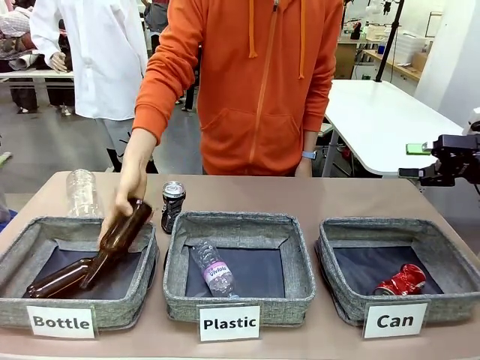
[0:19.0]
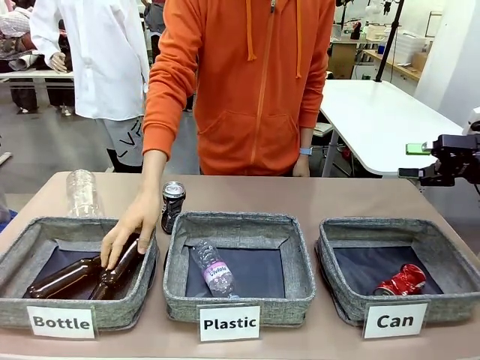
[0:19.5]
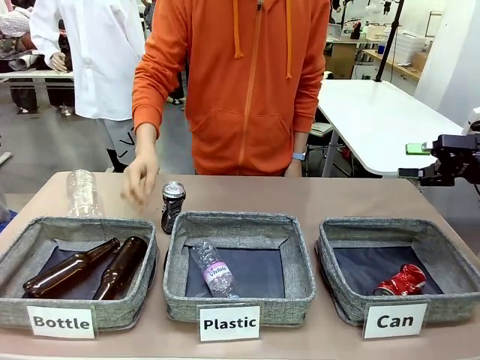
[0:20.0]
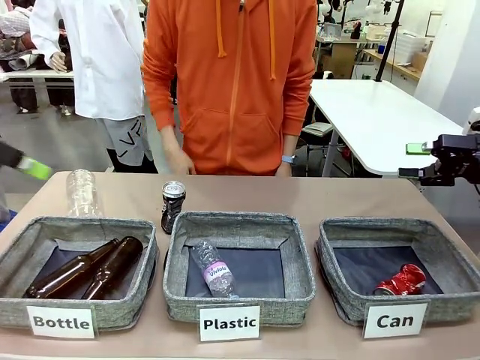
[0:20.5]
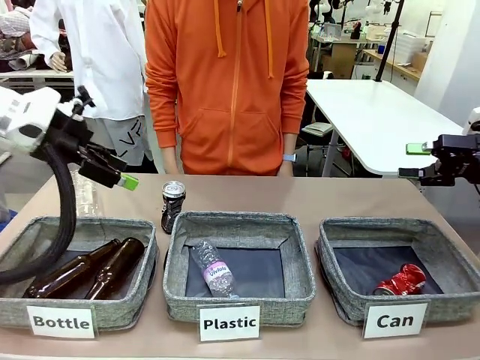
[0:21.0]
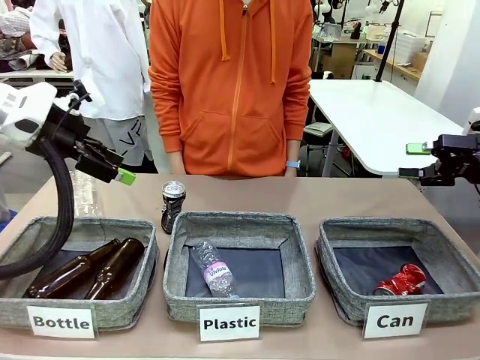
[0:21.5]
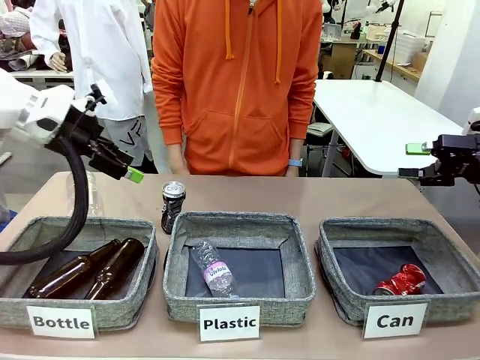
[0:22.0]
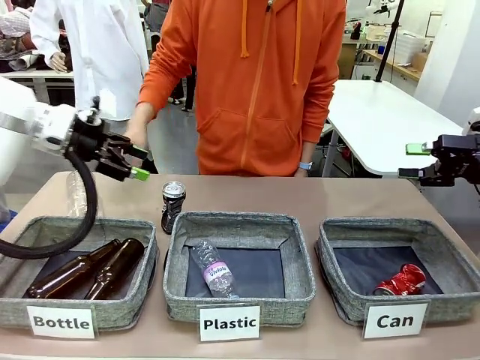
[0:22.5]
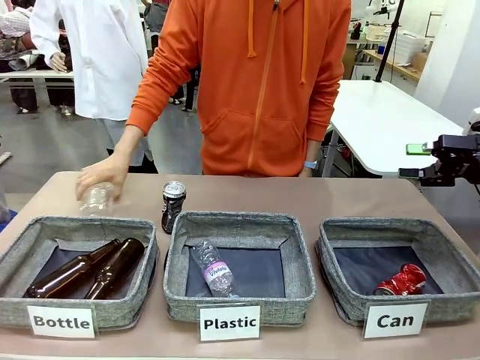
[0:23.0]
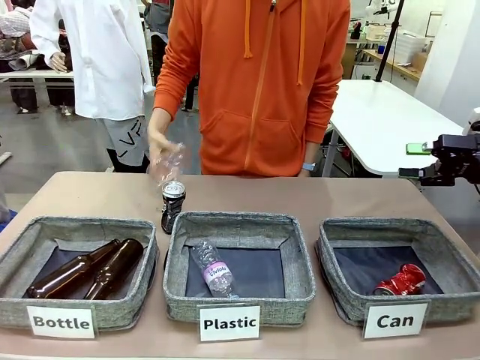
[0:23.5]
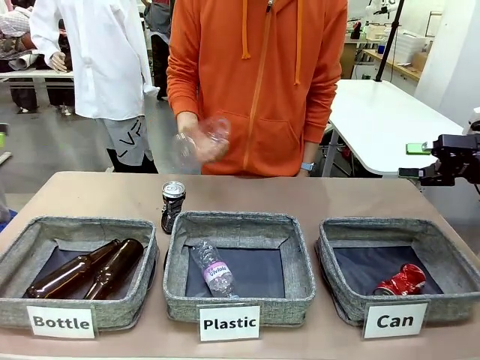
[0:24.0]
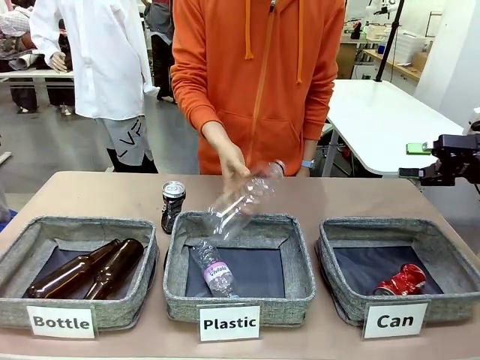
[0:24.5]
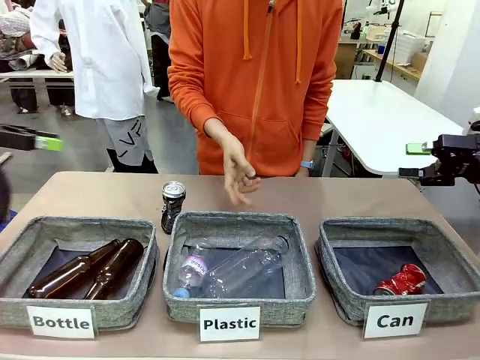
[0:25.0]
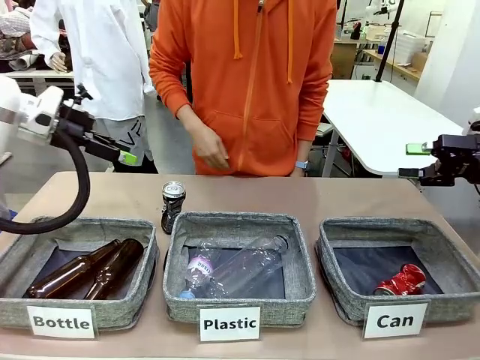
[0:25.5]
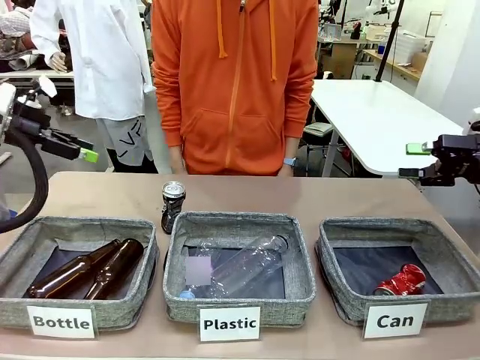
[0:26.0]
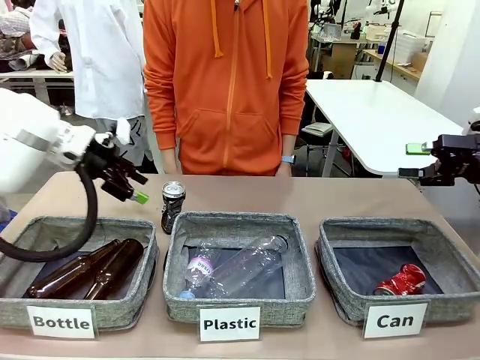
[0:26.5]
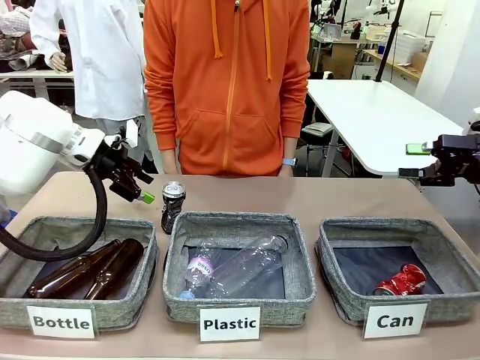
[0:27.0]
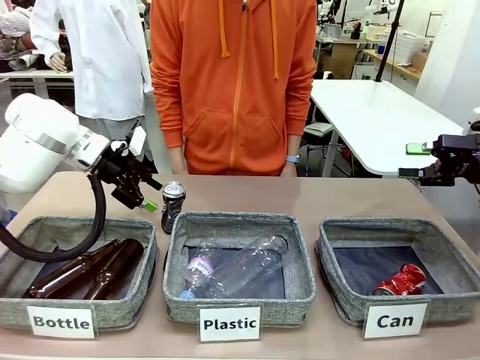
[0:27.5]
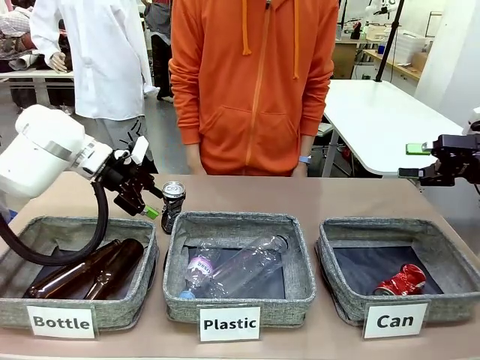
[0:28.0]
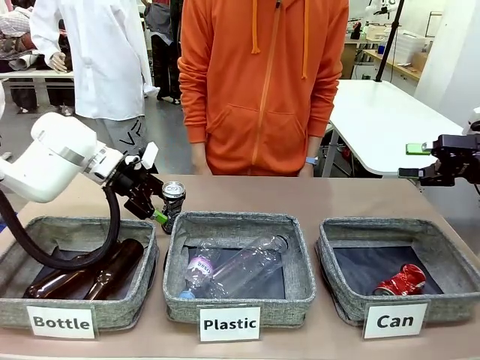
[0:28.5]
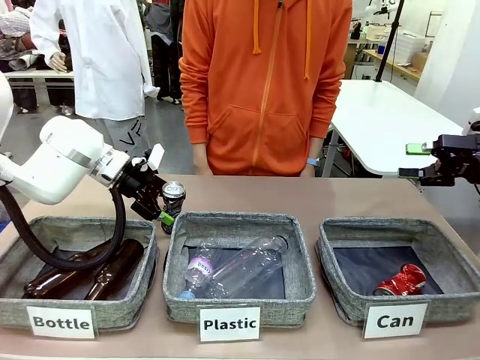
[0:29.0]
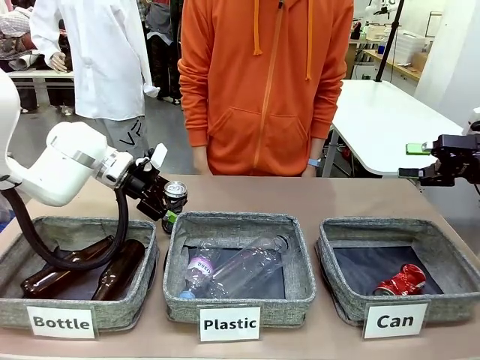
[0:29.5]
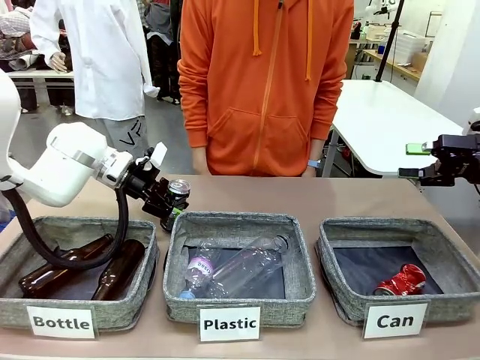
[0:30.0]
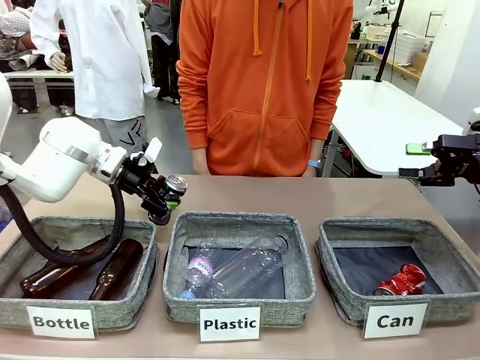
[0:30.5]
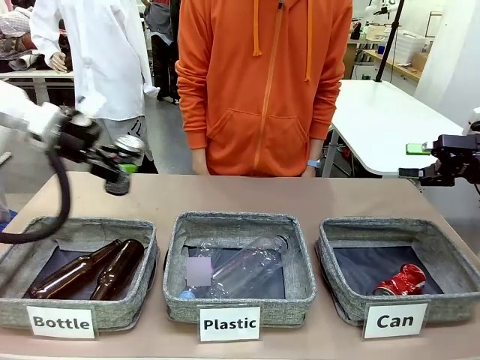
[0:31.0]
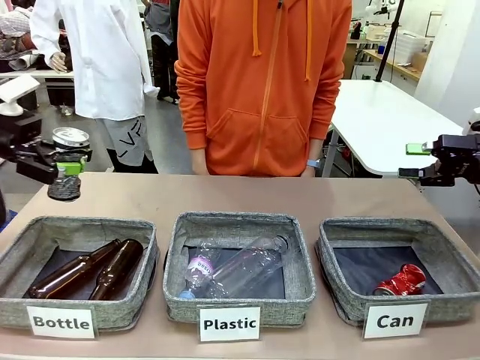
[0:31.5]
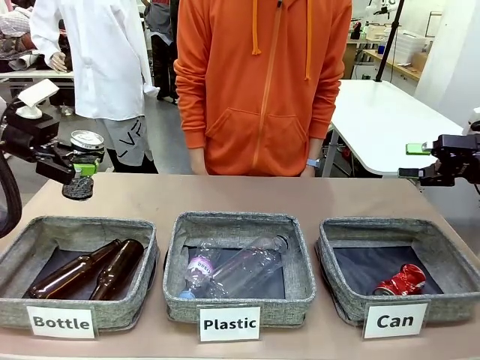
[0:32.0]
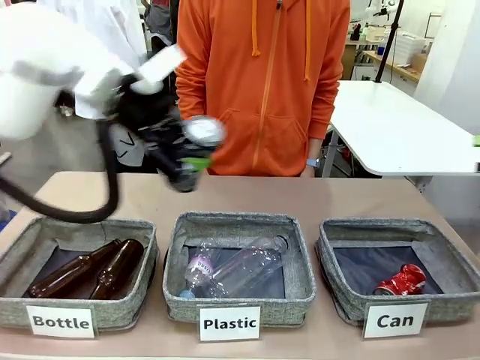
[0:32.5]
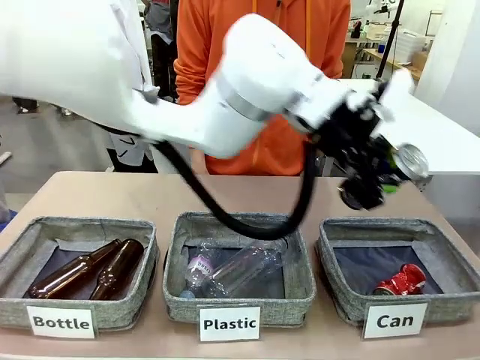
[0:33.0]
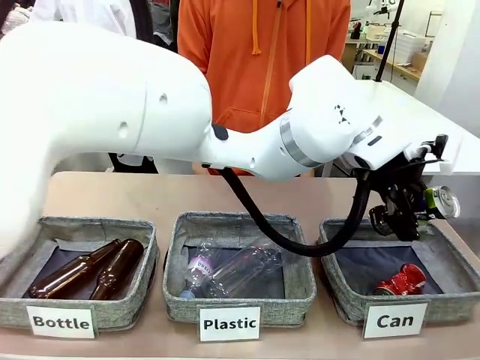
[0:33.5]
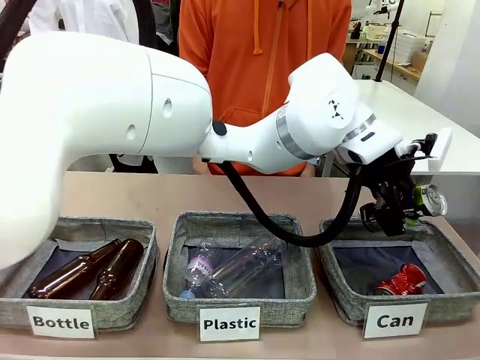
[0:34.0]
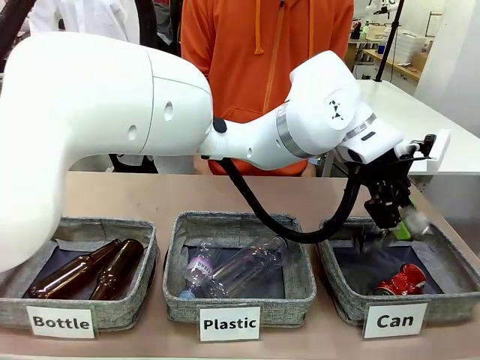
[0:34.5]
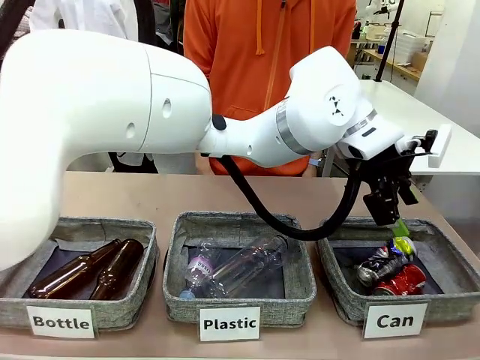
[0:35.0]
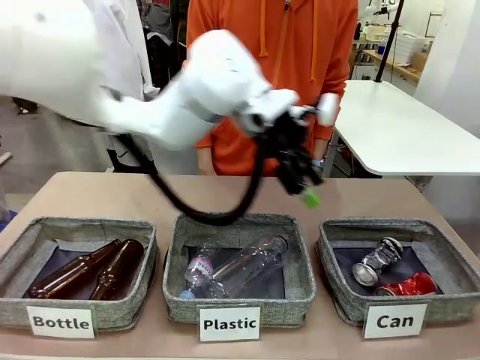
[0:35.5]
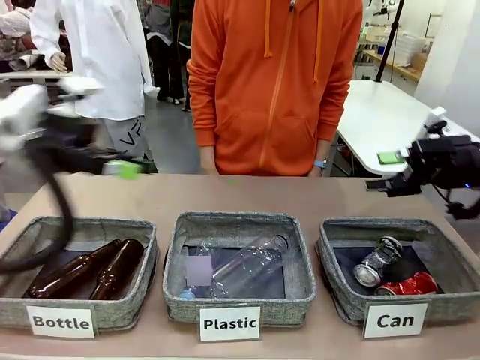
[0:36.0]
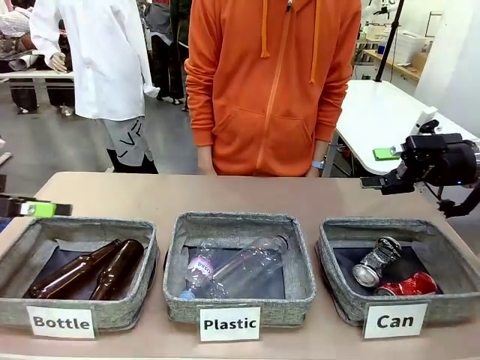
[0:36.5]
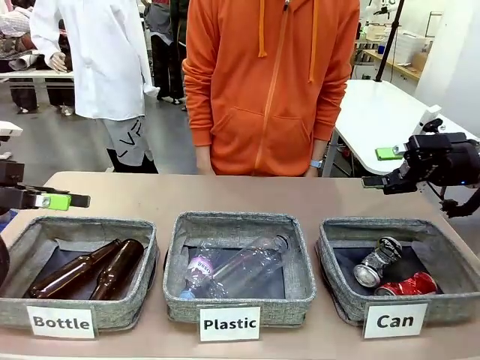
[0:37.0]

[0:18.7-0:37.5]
Task: Sort the can waste into the basket.
Robot: Pick up the can waste from the table and place it in the right Fabric basket.
Person: The human picks up one piece of trash that is not a can and places the trash into the appropriate organizing basket.
